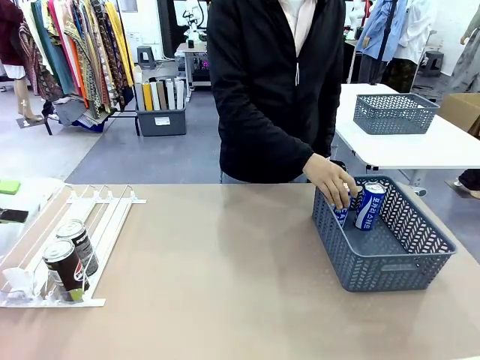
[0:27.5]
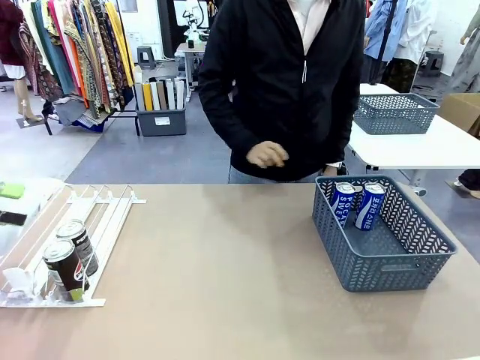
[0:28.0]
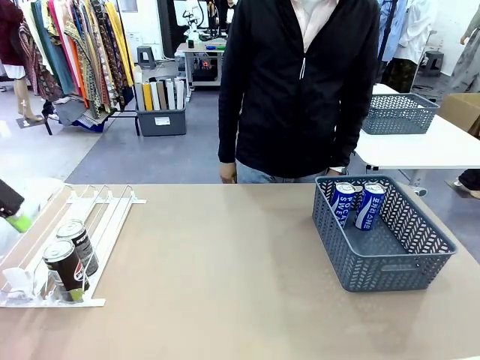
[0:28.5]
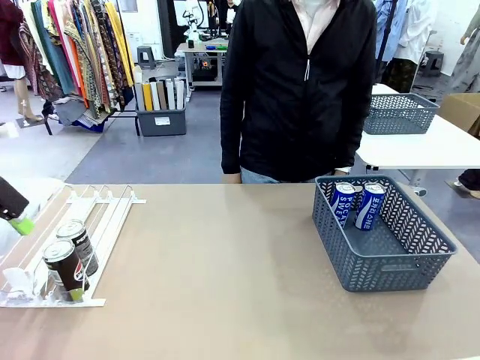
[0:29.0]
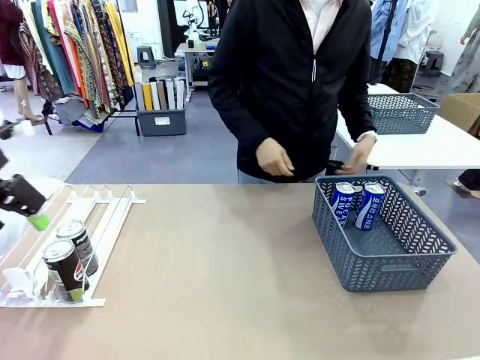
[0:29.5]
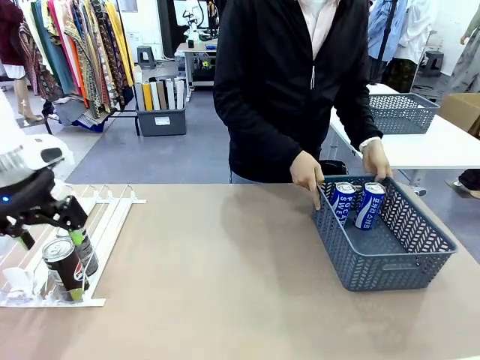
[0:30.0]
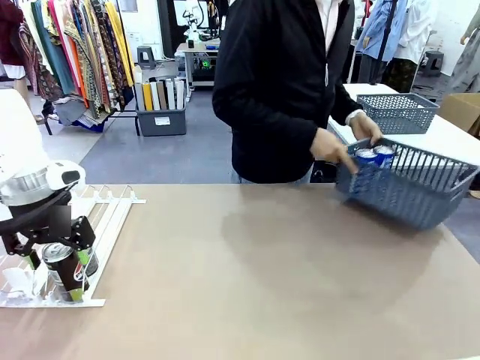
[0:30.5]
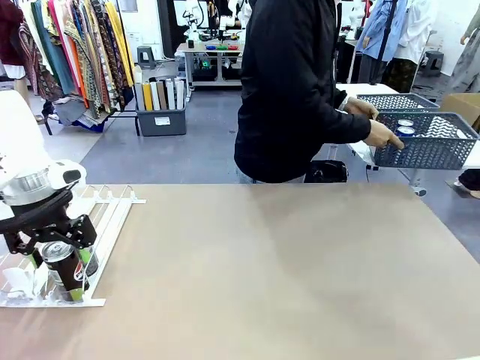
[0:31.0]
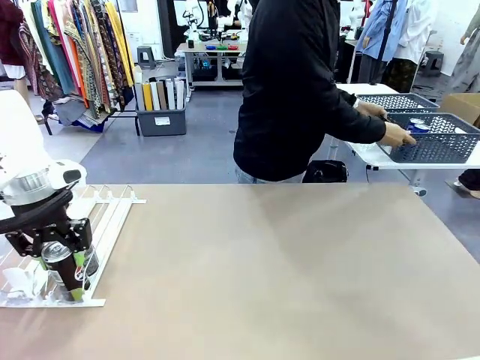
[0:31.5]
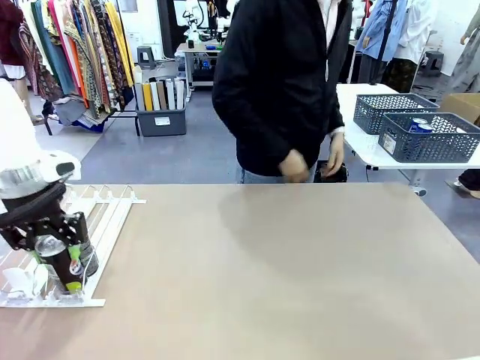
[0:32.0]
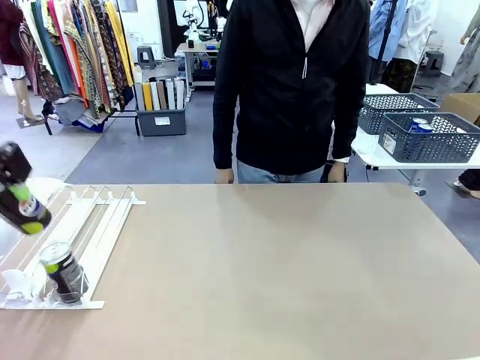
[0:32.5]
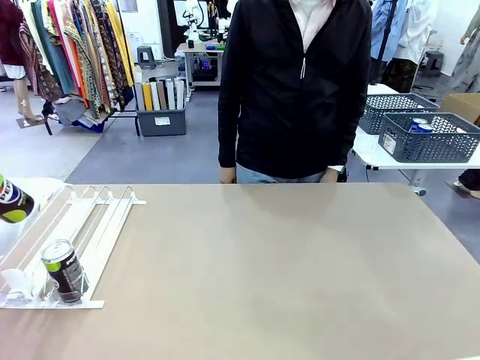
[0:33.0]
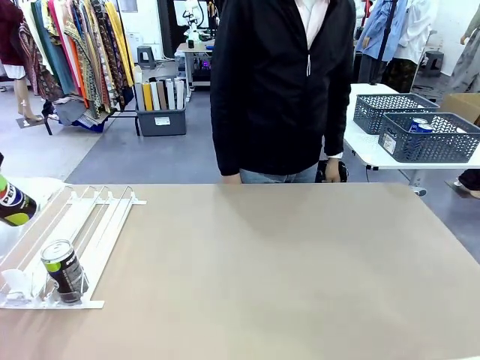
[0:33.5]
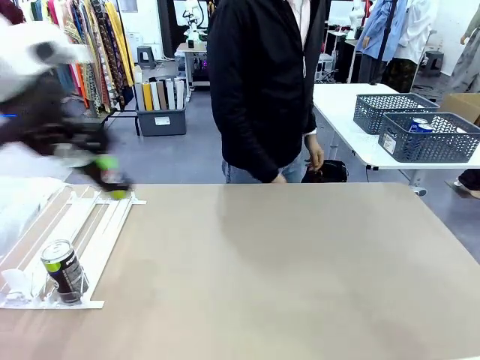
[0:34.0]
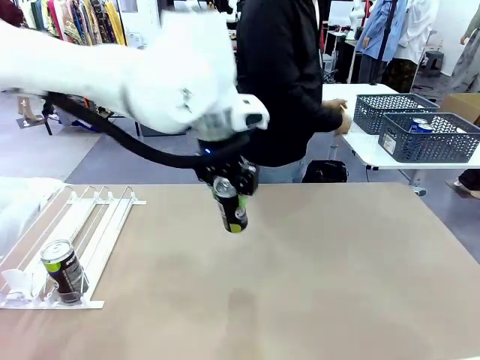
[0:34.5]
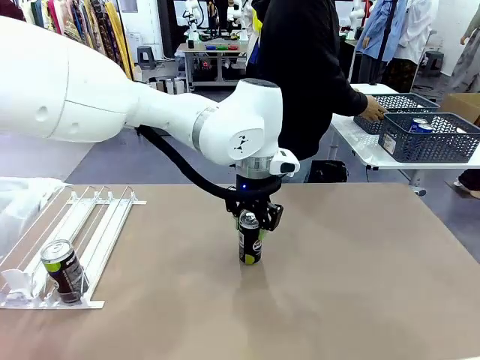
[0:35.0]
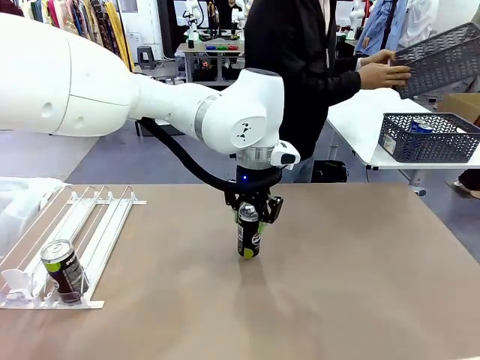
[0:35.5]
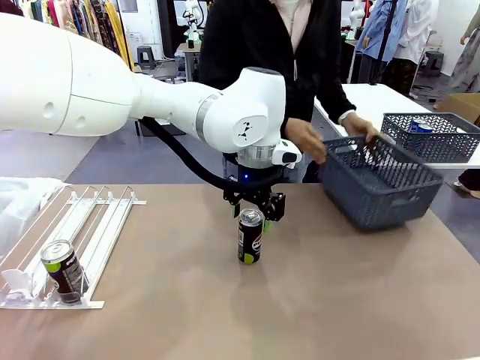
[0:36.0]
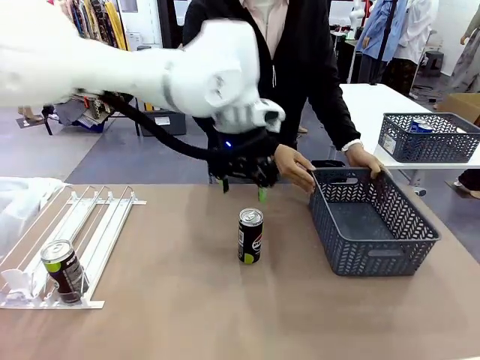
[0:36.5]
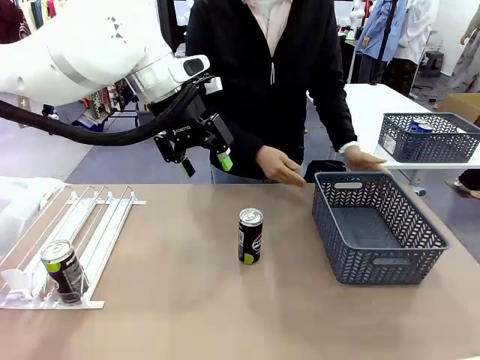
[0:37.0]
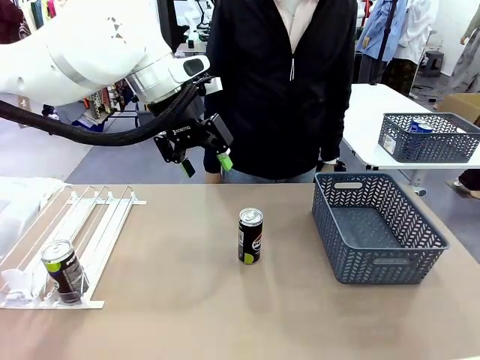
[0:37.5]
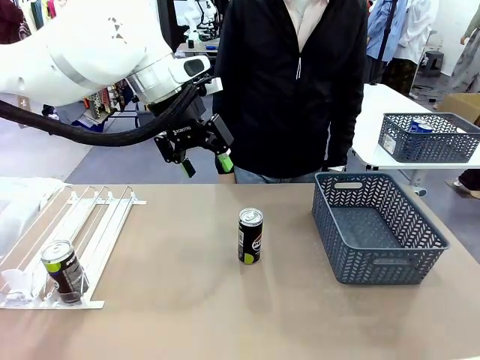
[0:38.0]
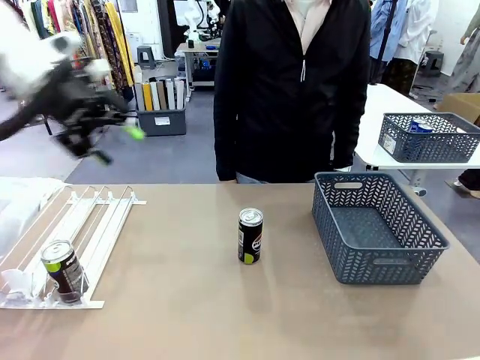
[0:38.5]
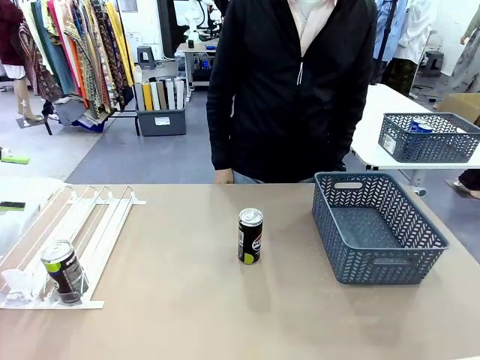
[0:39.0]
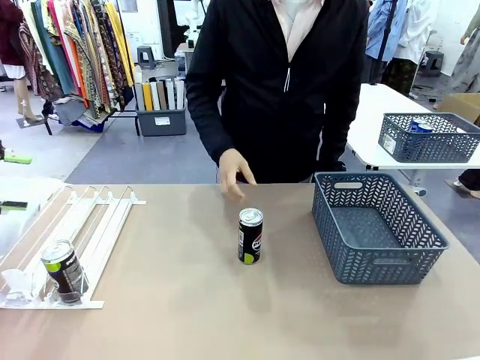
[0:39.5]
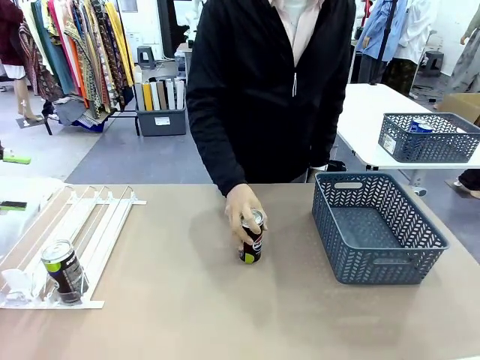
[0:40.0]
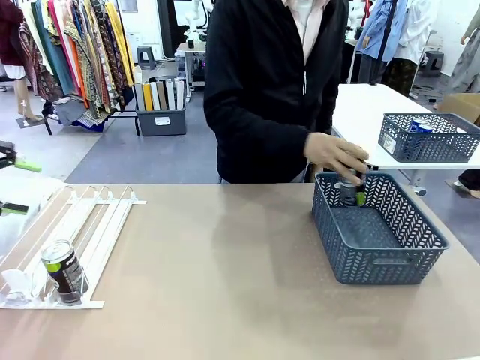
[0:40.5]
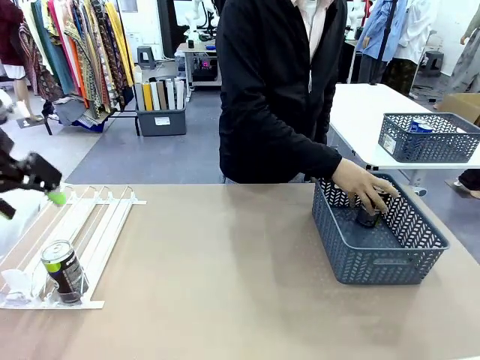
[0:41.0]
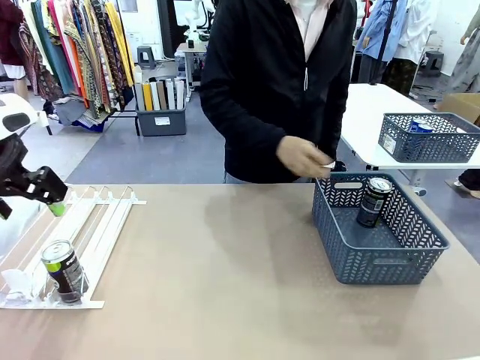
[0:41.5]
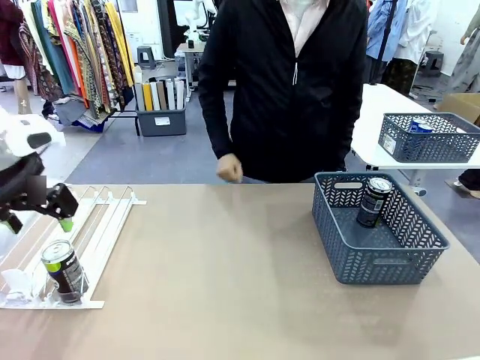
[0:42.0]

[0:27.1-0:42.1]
Task: Retrieve and store the cans from the dispenser.
Robot: Pick up one can from the Automatic Can Dispenser and place it in the middle of the table.
Person: Pick up the basket and place it in the middle of the human table. Pick up the empty basket and place it on the left side of the robot table.

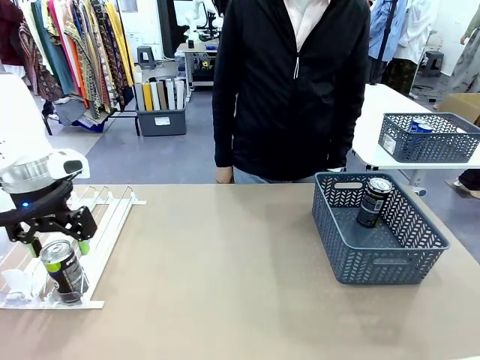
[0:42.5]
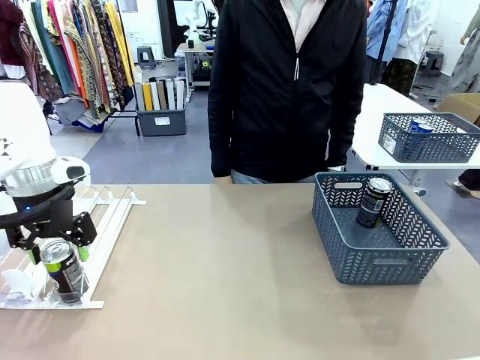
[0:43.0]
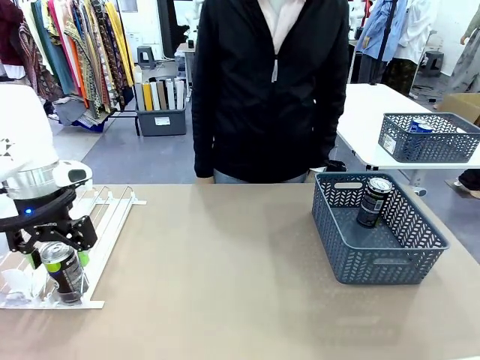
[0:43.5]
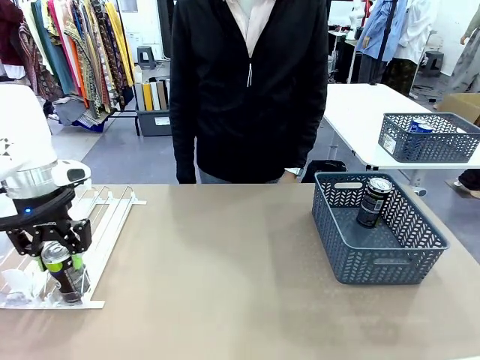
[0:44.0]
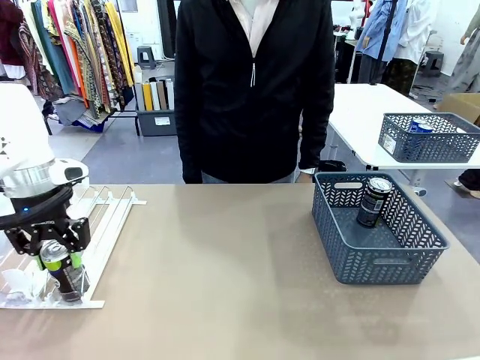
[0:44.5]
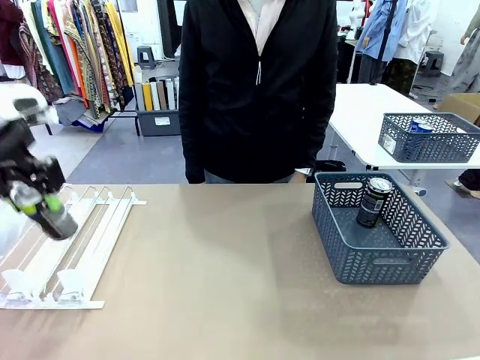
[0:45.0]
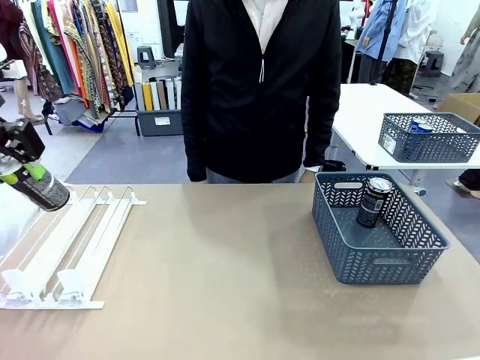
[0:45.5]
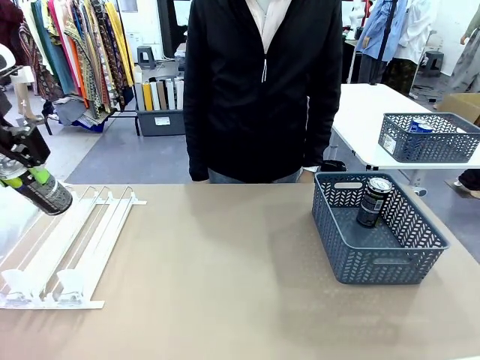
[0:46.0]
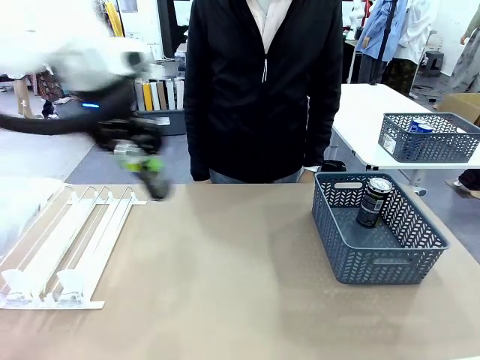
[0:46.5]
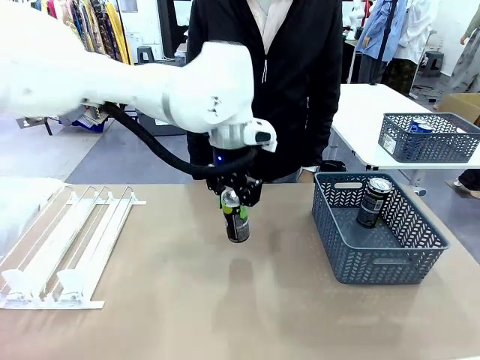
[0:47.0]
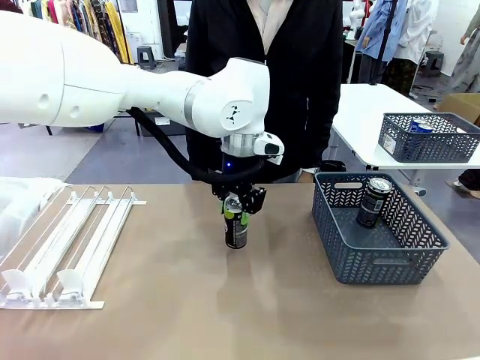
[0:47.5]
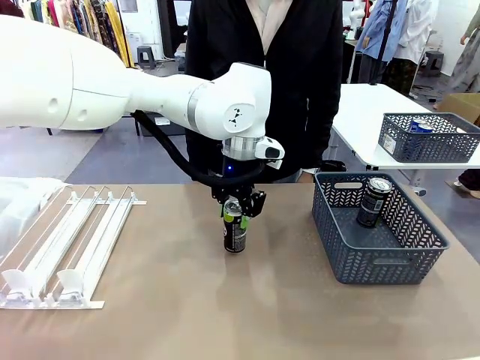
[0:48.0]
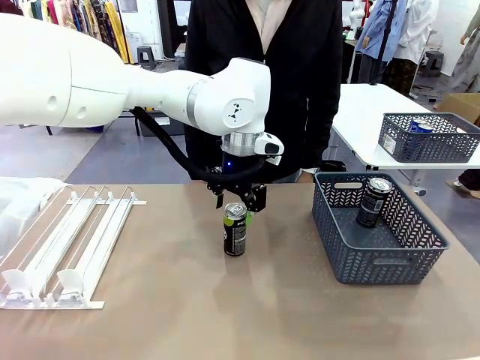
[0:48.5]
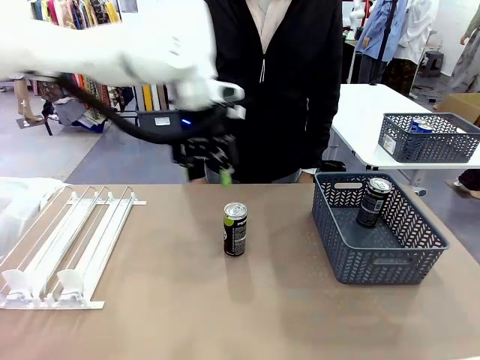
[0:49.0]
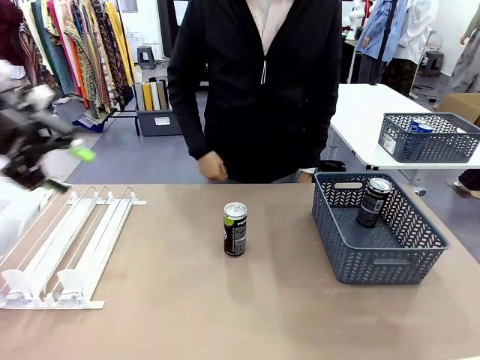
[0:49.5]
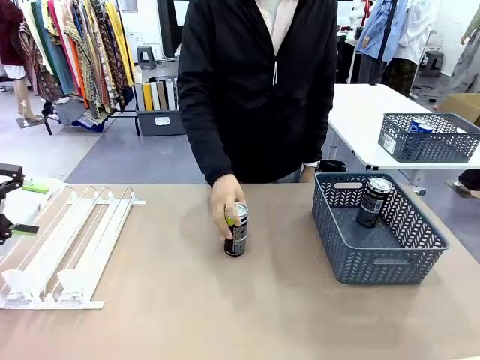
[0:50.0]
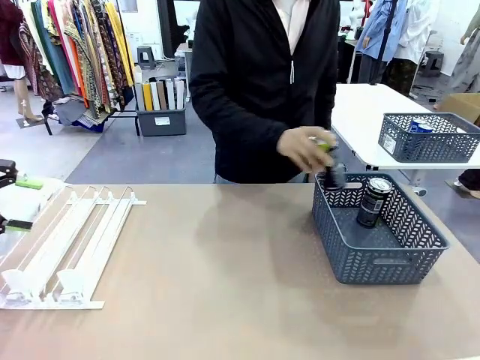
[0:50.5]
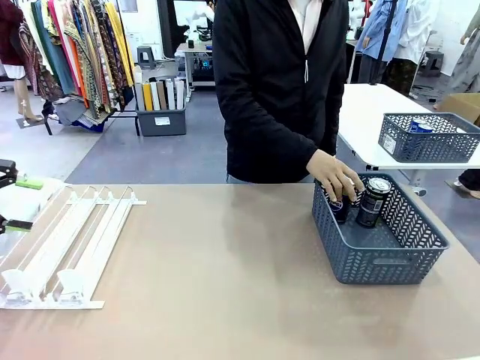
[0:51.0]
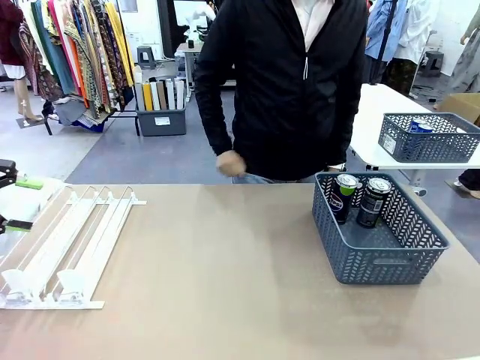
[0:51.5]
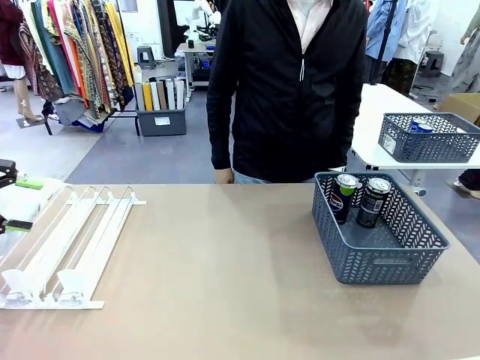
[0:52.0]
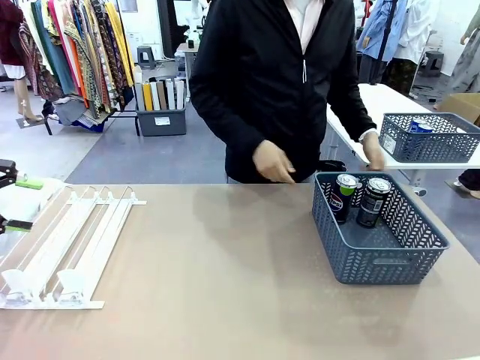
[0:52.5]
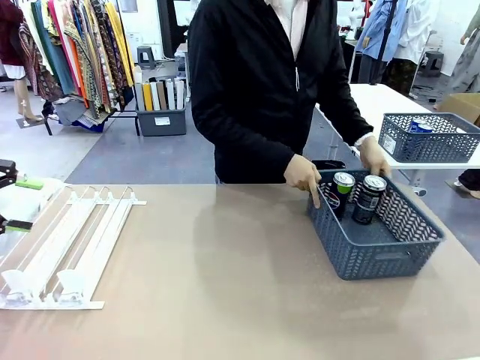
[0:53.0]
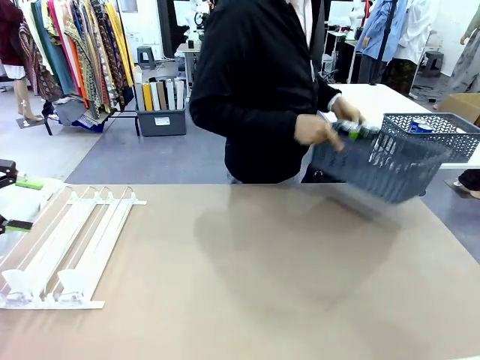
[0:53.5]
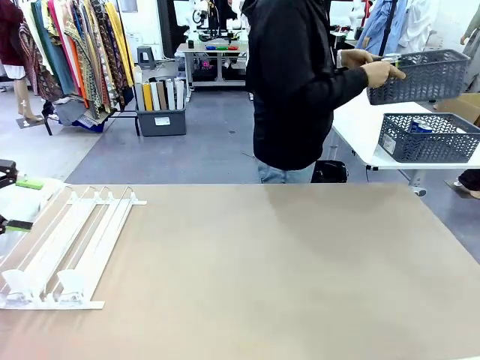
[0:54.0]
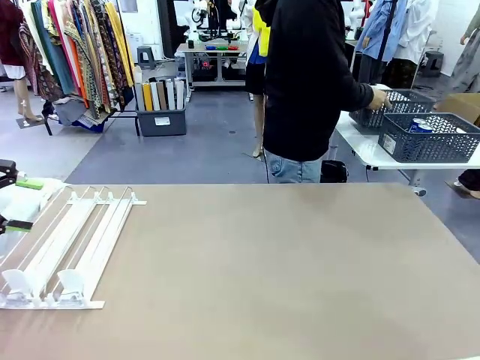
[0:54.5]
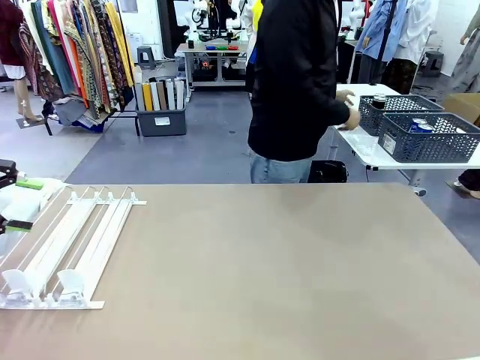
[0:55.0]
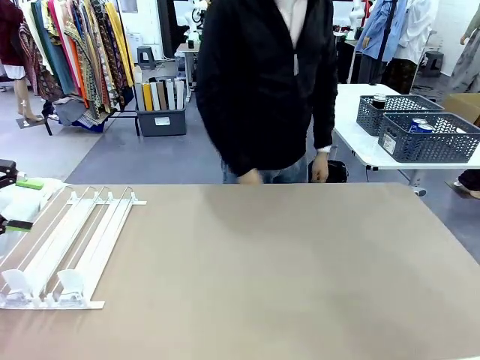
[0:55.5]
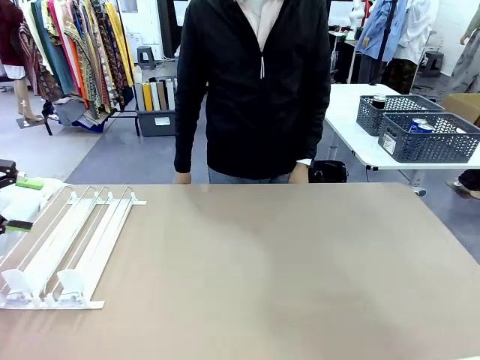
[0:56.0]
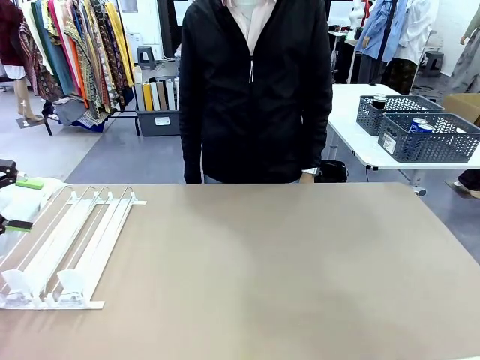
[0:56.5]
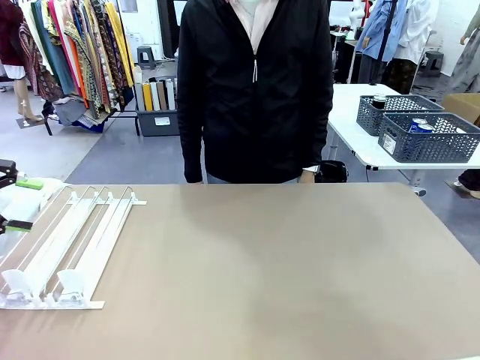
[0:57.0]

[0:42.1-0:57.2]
Robot: Pick up one can from the Automatic Can Dispenser and place it in the middle of the table.
Person: Pick up one sports drink can from the middle of the robot table and place it in the basket. Pick up the basket and place it in the middle of the human table.
